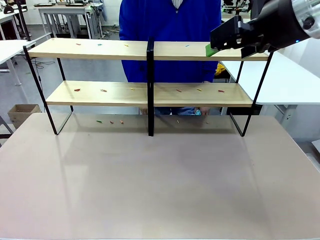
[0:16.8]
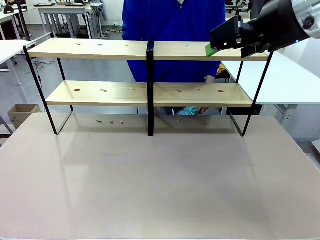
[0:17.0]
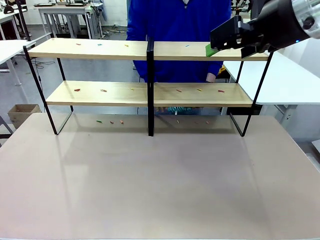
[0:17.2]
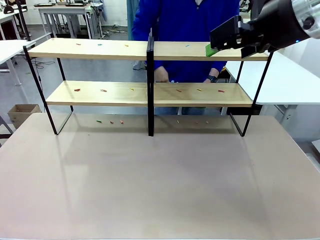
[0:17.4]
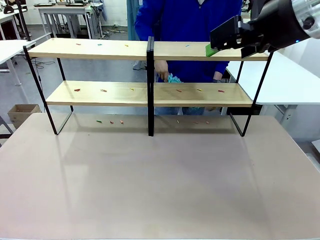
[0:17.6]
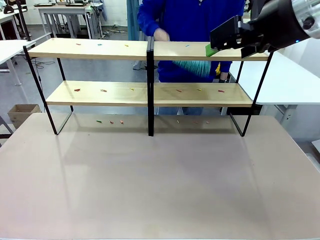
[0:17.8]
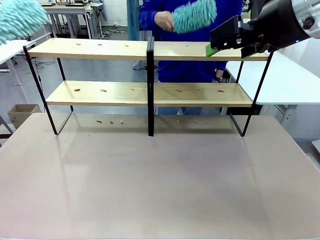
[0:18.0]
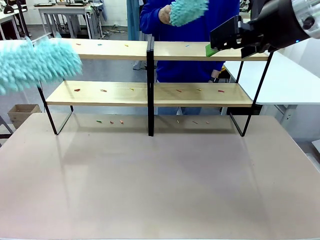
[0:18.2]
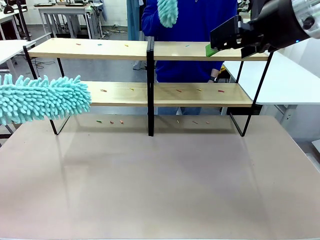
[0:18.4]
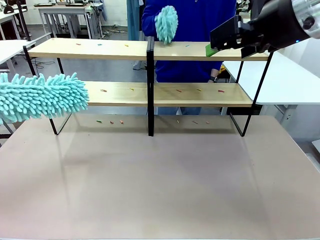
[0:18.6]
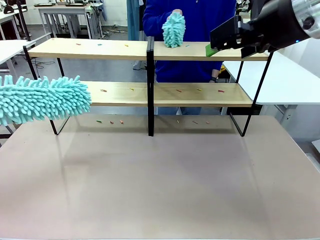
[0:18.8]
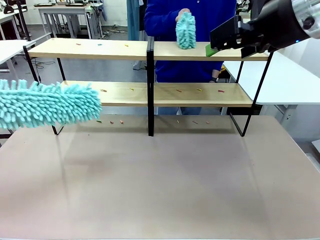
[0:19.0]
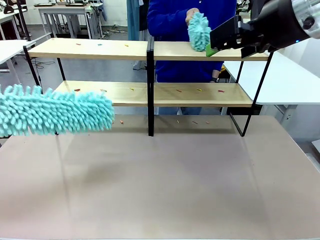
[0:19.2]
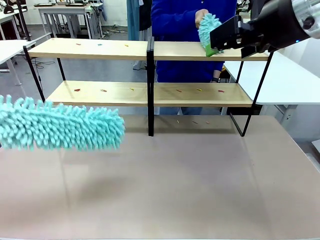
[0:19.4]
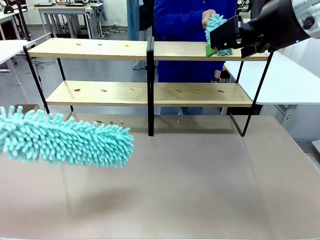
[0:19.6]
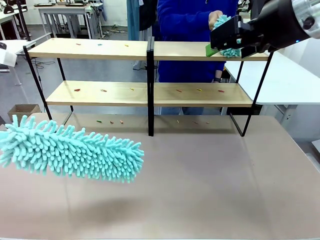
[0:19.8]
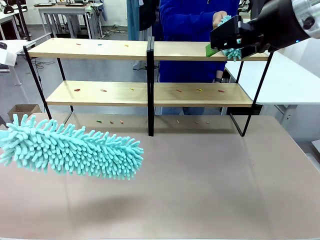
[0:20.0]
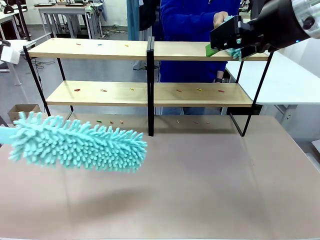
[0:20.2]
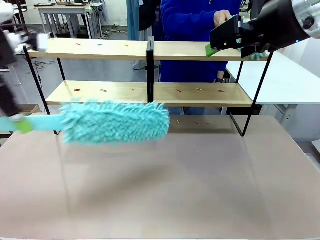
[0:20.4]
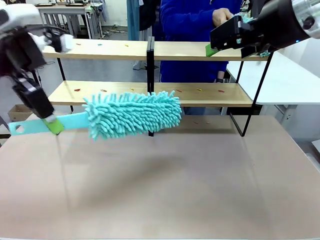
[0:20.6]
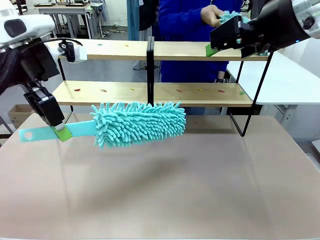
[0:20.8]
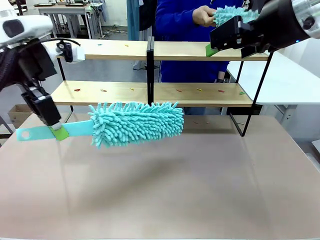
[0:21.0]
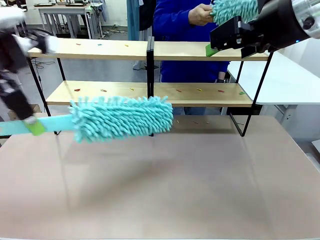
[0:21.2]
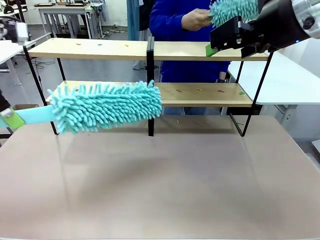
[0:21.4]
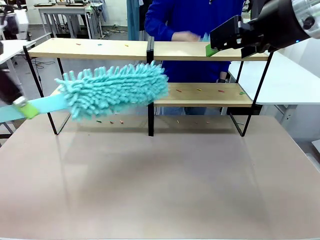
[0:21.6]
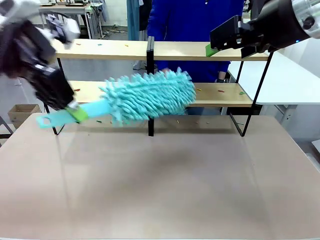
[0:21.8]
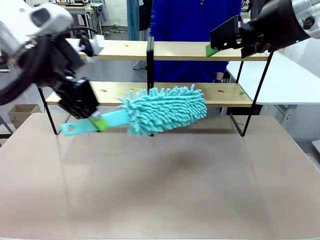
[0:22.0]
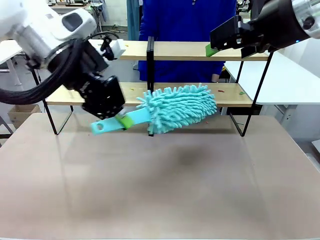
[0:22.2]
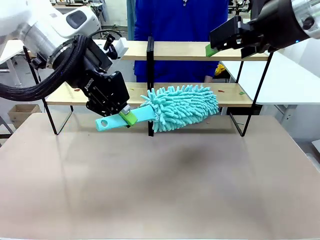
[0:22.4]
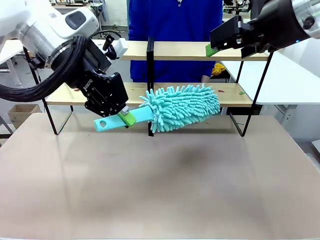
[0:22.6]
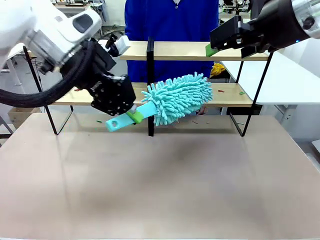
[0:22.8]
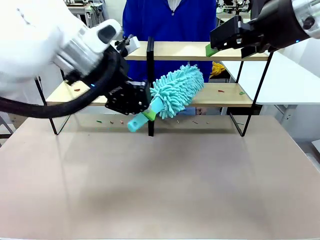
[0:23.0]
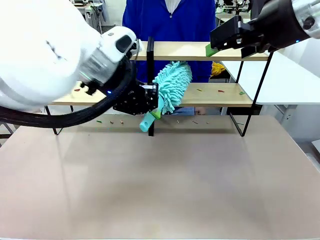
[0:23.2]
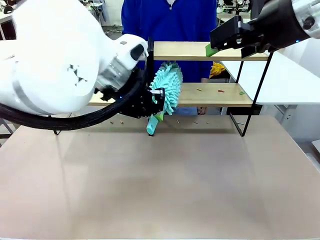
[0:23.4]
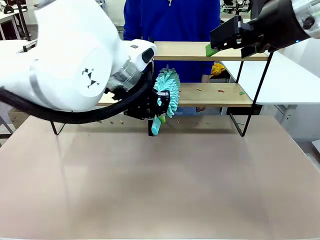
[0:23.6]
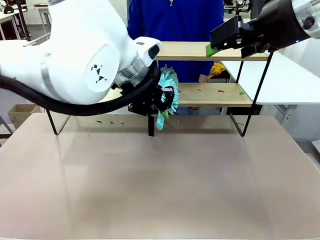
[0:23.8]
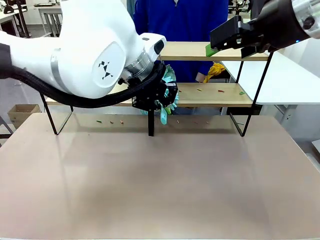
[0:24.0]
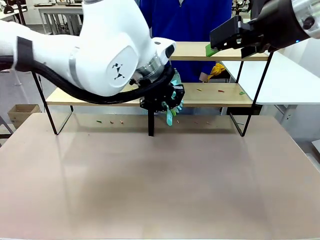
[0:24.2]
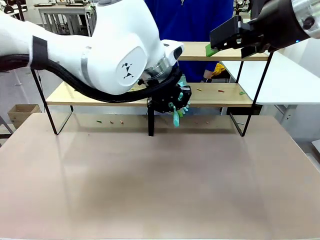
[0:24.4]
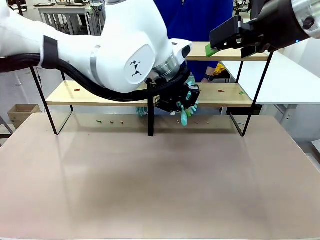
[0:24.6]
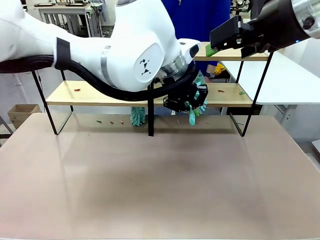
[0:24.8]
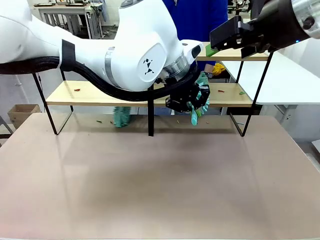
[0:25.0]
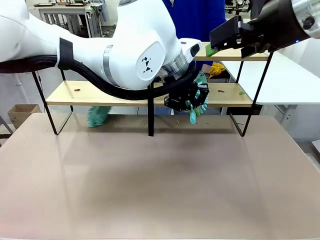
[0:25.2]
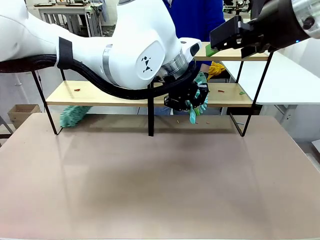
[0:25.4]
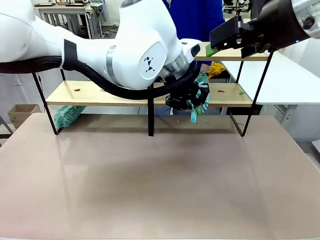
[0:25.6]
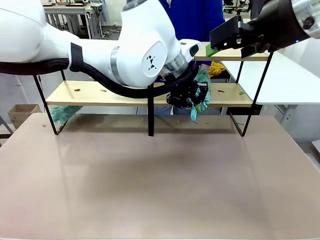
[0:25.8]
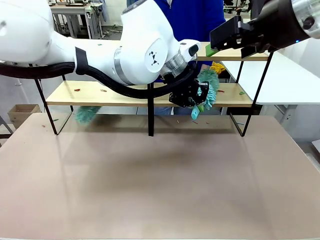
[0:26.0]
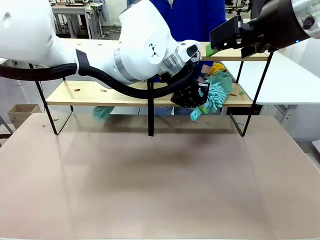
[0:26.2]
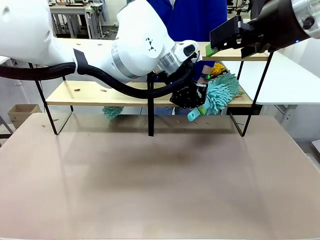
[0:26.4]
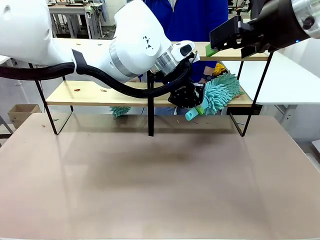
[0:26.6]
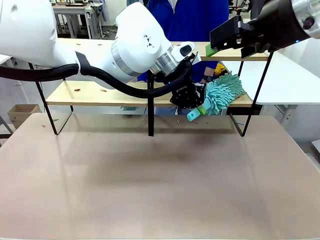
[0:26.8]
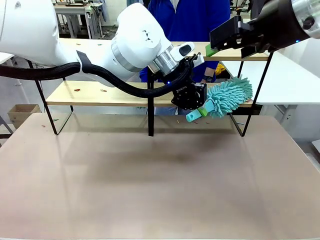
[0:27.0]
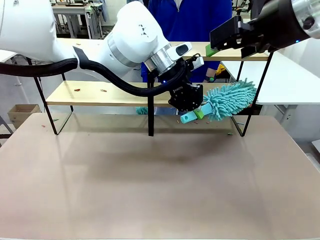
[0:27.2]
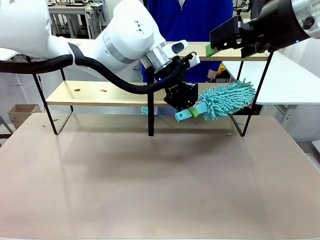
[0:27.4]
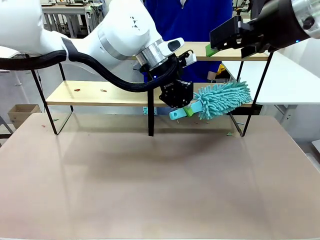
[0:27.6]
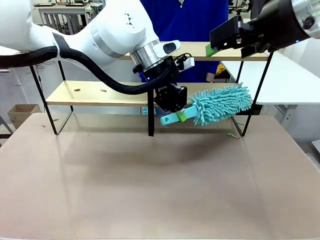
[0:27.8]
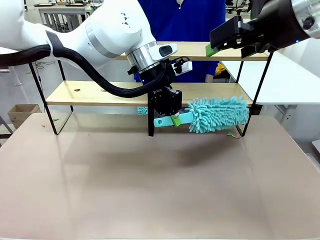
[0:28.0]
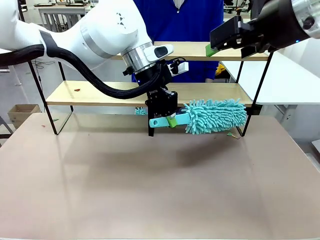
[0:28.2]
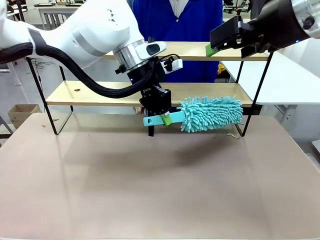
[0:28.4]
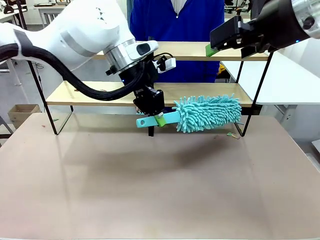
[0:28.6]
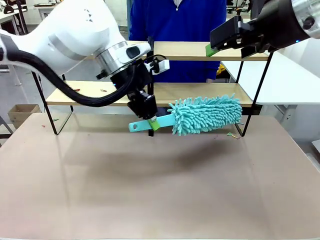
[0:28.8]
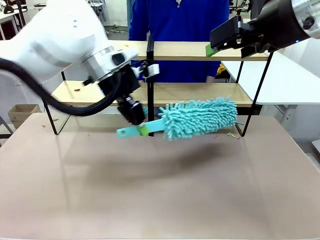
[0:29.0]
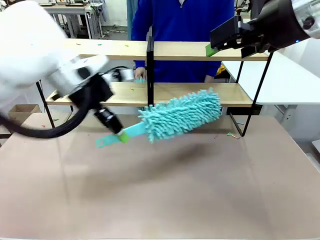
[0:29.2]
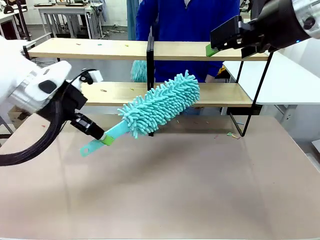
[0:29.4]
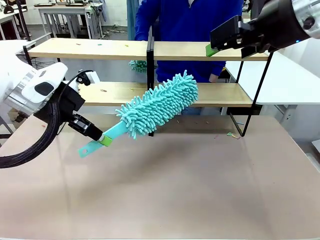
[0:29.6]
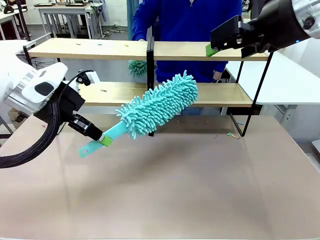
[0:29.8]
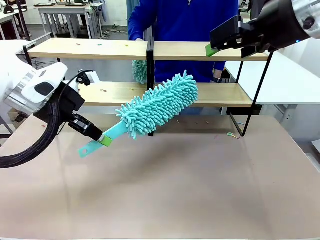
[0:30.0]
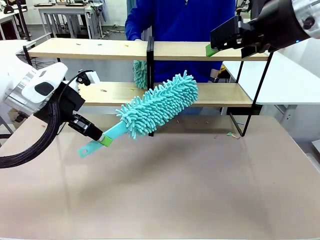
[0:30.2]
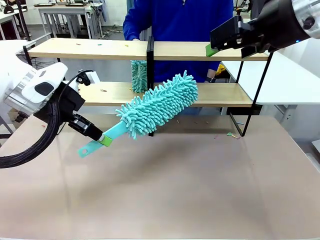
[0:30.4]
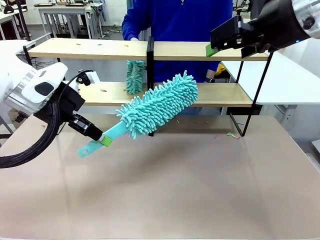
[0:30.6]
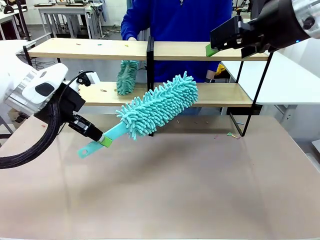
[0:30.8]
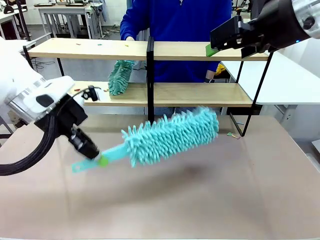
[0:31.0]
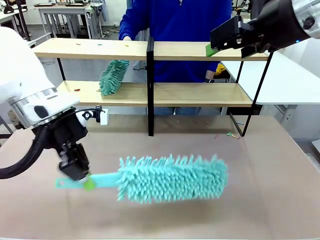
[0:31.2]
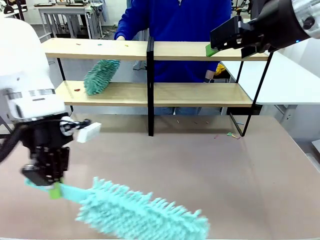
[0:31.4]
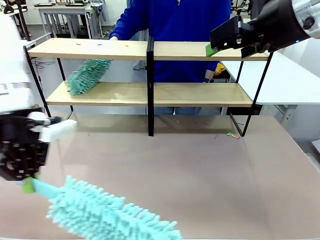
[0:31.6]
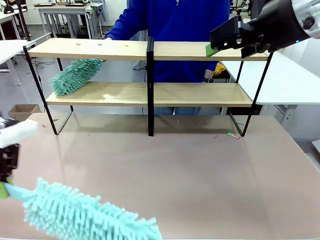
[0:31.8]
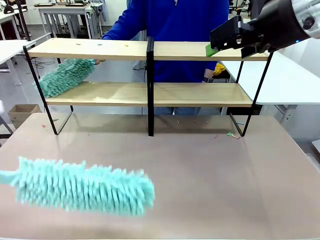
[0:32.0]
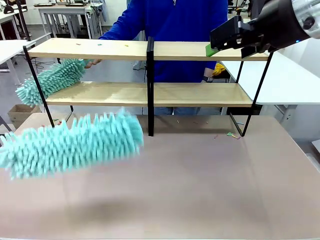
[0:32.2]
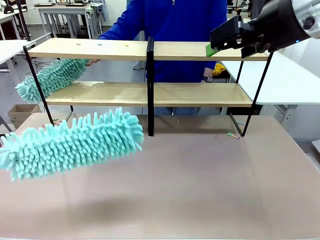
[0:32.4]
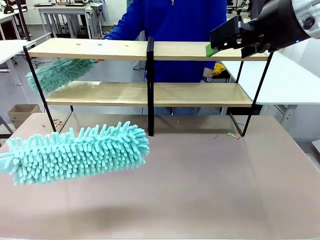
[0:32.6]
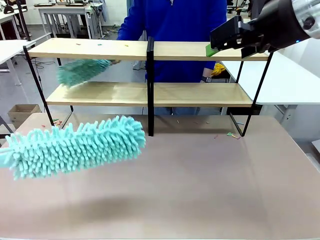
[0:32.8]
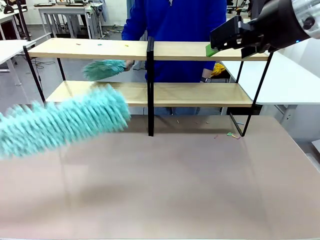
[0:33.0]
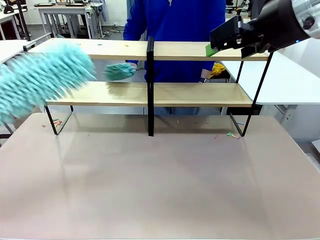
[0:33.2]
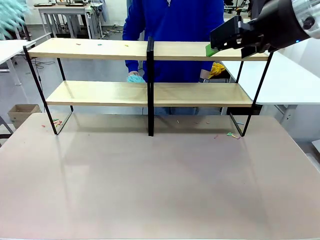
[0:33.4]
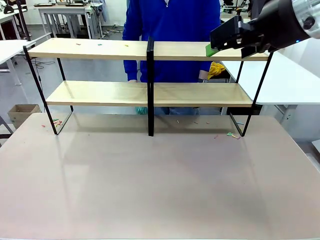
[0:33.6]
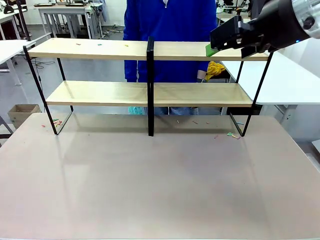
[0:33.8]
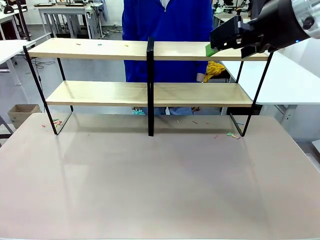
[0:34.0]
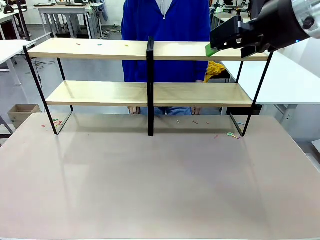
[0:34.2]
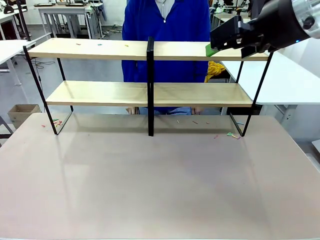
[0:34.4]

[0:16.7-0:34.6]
Task: Clean the shelves.
Robot: Clean a randomly selected level of the Shelf with the Duster.
